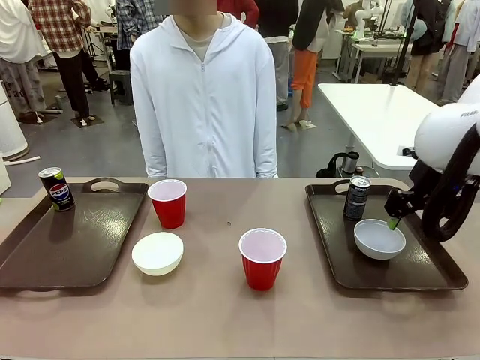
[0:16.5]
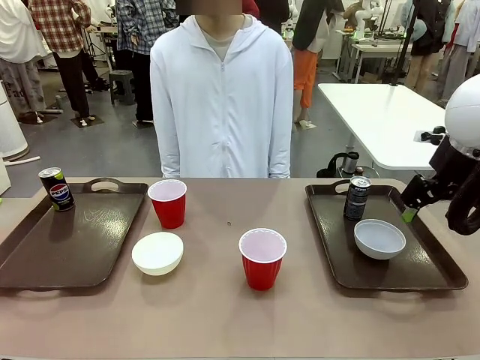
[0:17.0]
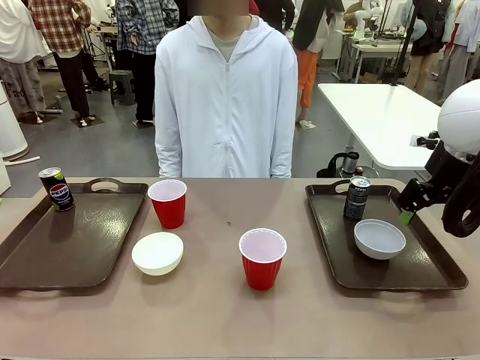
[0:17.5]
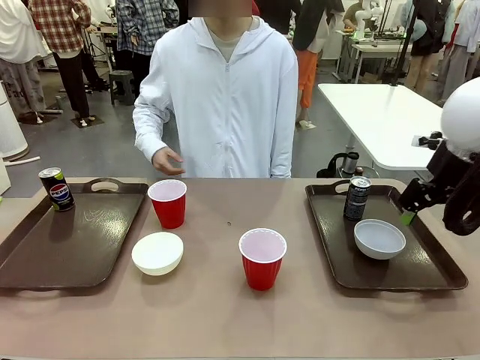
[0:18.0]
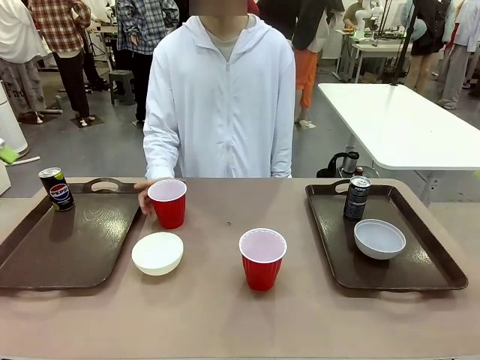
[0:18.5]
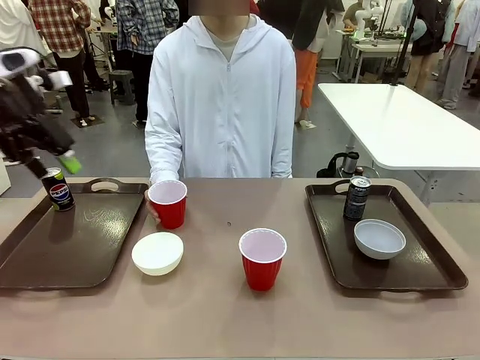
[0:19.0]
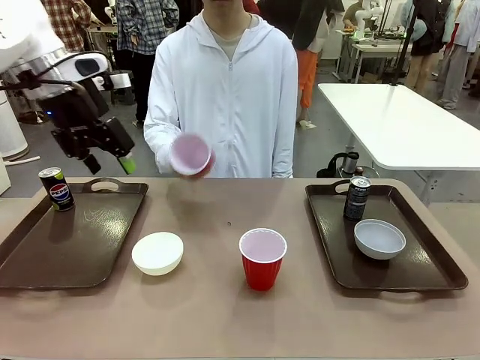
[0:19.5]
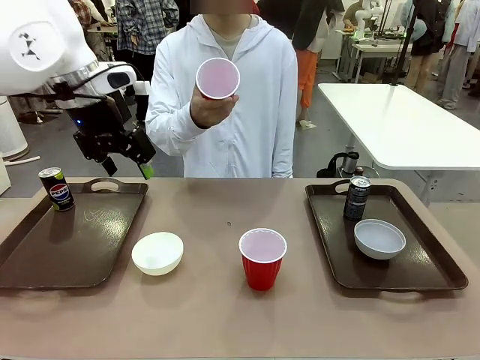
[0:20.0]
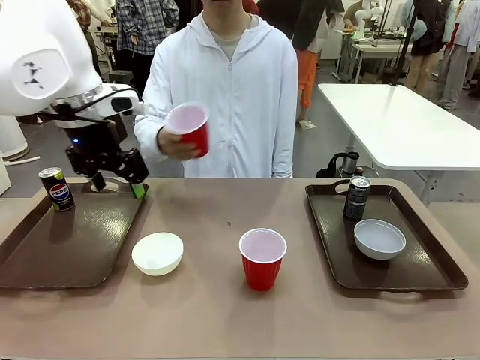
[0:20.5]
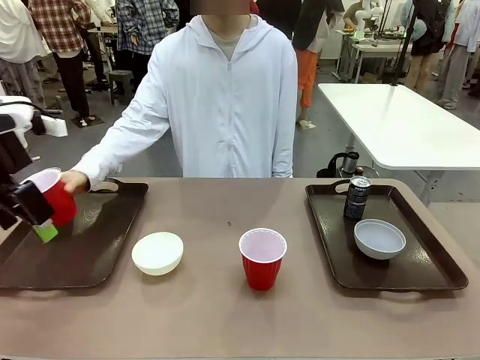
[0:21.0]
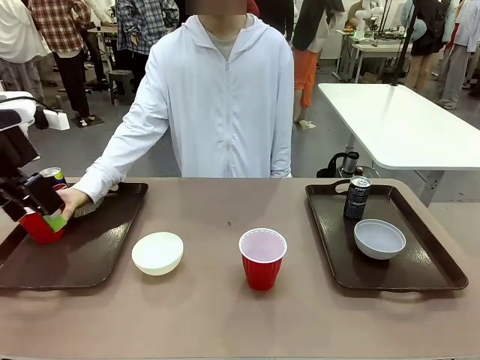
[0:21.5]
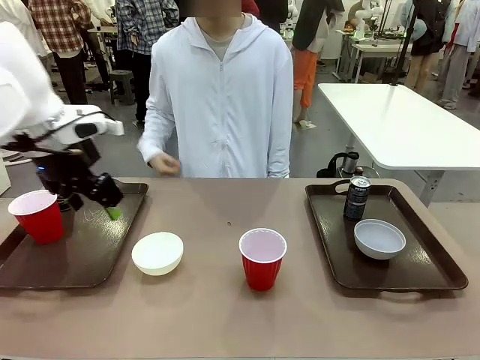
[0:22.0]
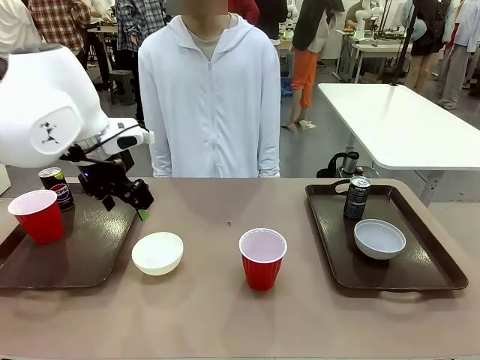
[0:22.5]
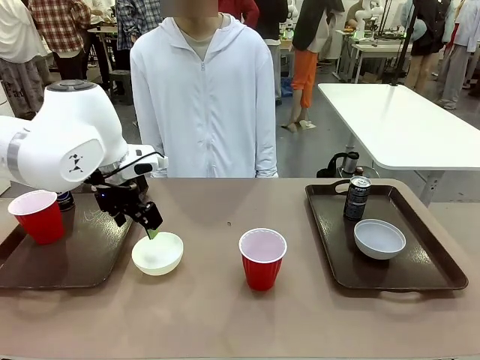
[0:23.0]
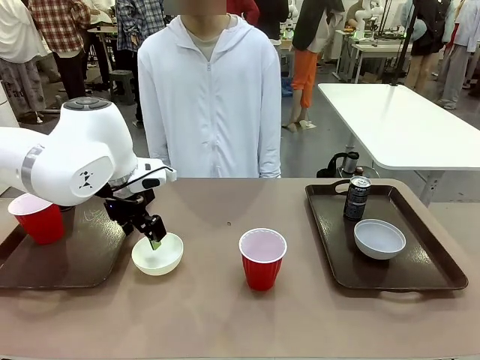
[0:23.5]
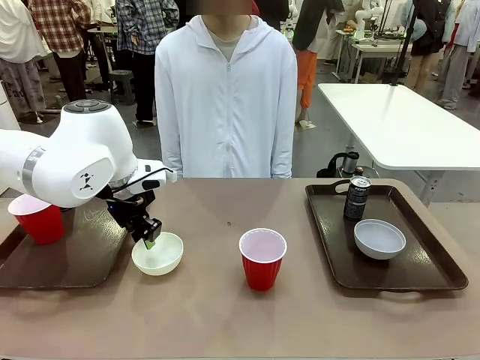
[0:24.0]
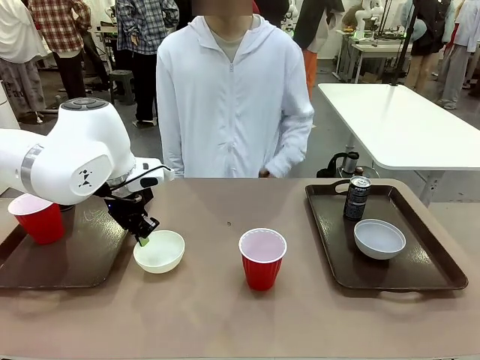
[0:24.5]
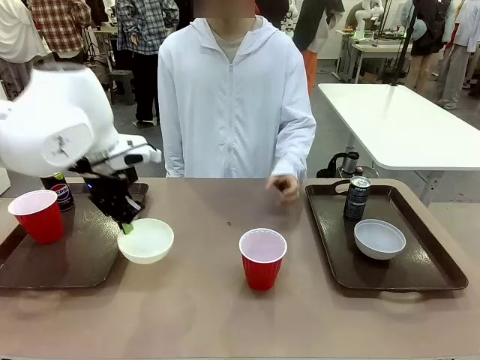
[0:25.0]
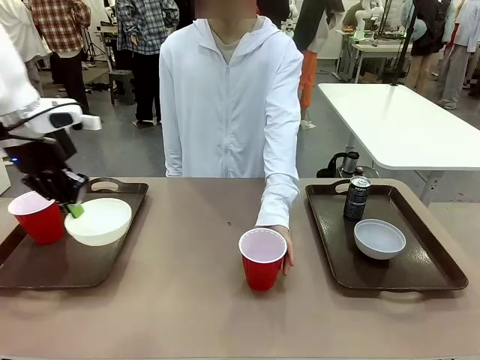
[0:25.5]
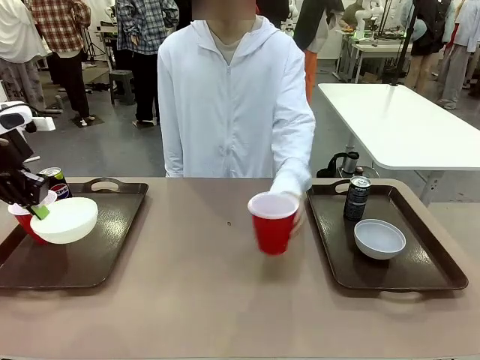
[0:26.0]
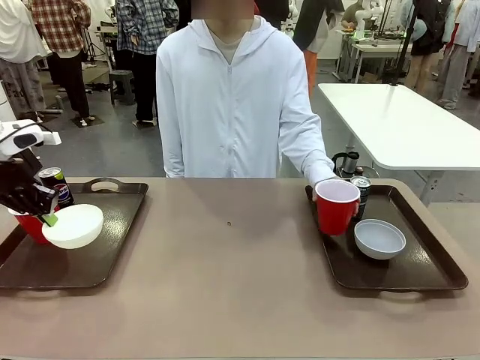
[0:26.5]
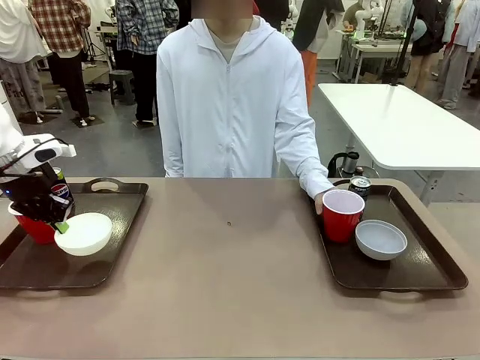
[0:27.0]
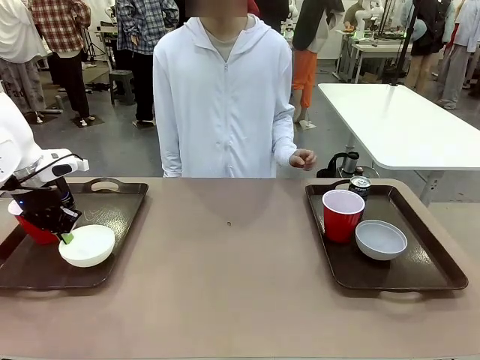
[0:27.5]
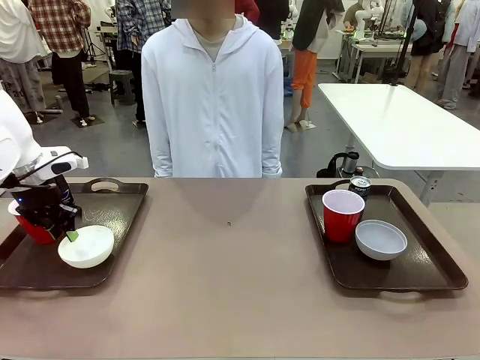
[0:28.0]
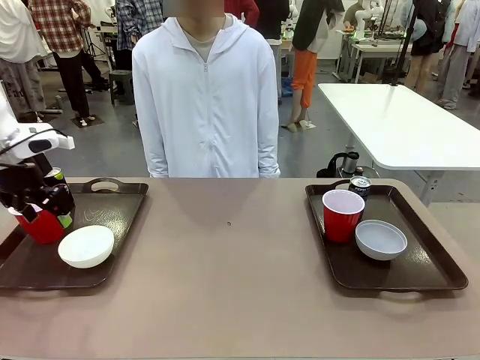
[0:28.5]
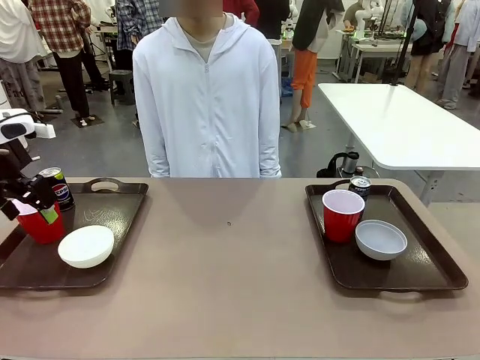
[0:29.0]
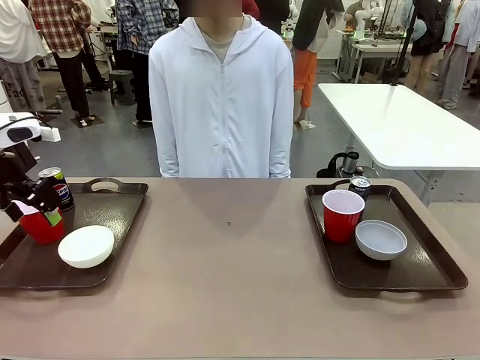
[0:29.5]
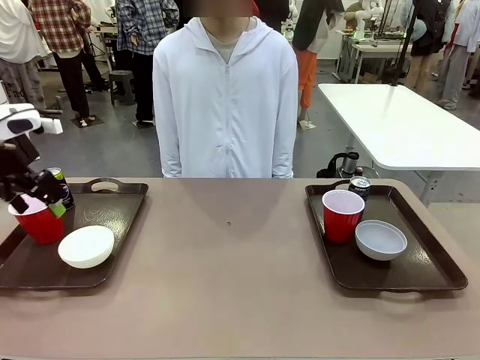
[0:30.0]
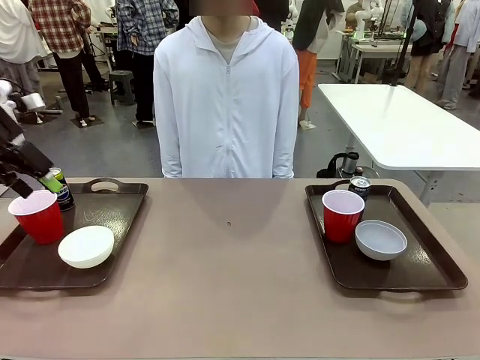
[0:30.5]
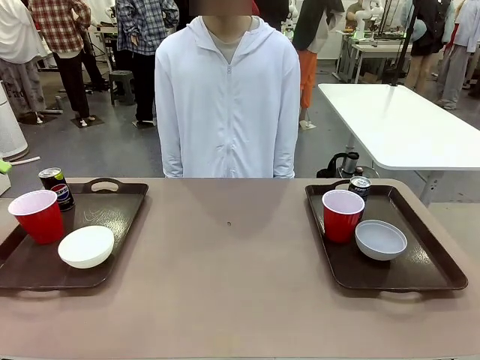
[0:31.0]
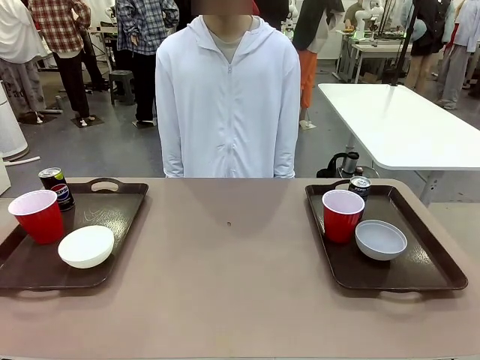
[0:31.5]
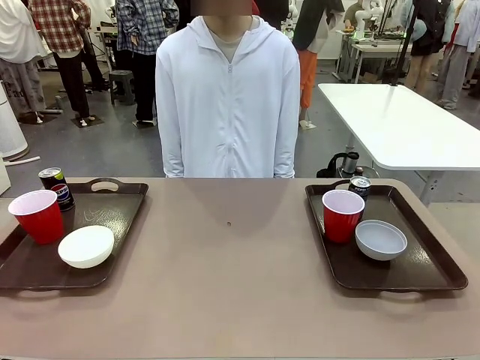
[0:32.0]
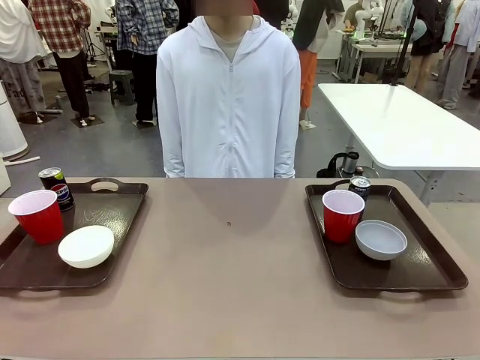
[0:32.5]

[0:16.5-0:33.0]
Task: Prepare tableware on both trays.
Robot: Pick up a Picnic Bowl from the table and place it on a Handle tray.
Person: Pick up a can or cup and place it on the tray without a can or cup.
